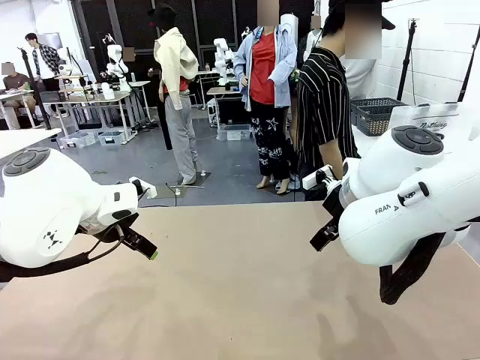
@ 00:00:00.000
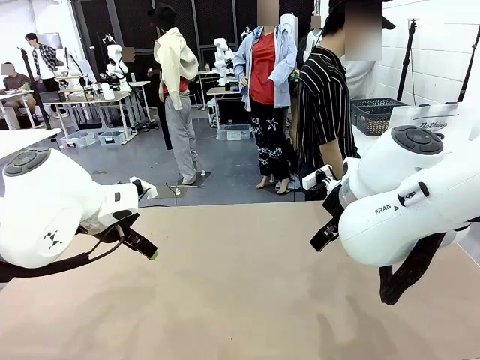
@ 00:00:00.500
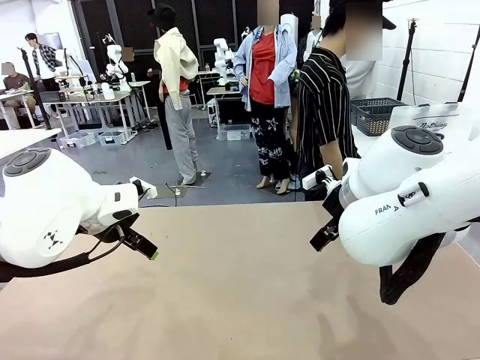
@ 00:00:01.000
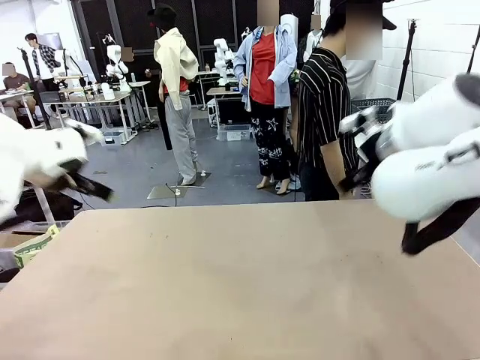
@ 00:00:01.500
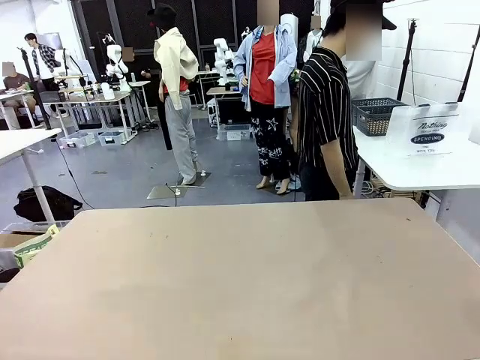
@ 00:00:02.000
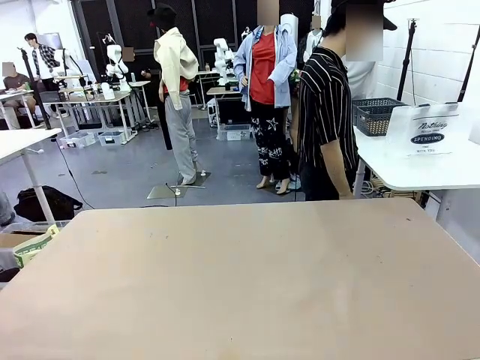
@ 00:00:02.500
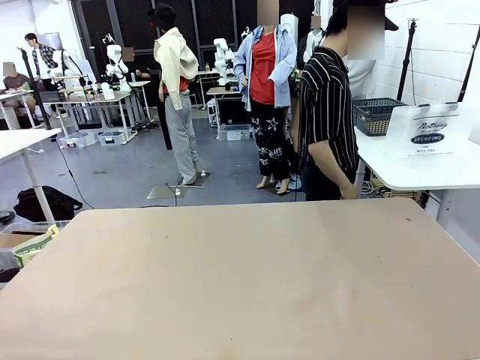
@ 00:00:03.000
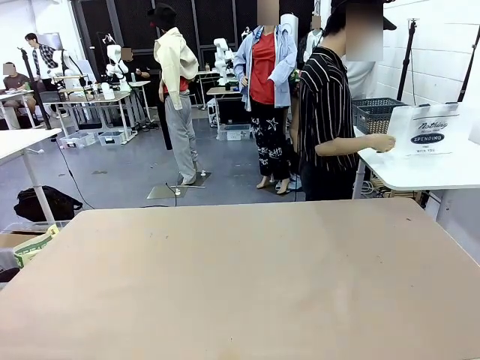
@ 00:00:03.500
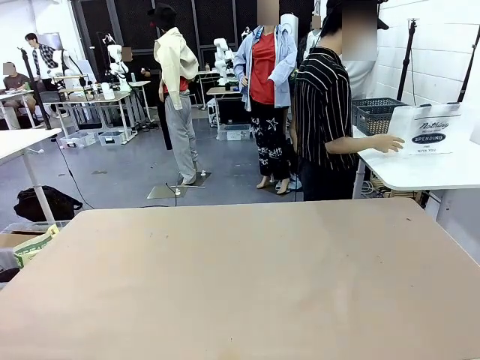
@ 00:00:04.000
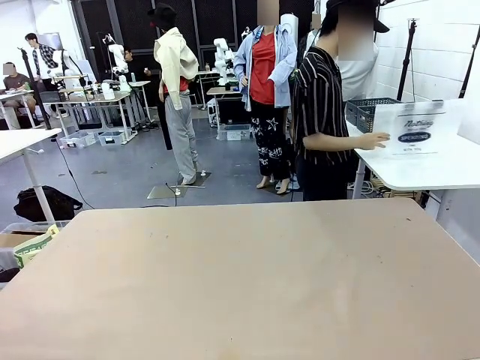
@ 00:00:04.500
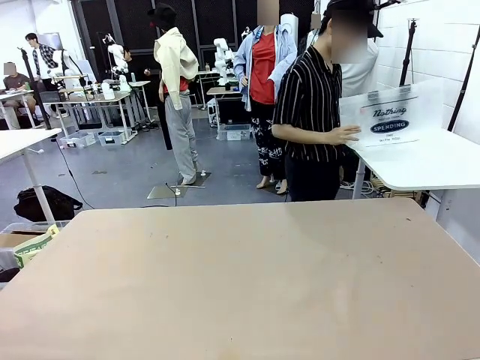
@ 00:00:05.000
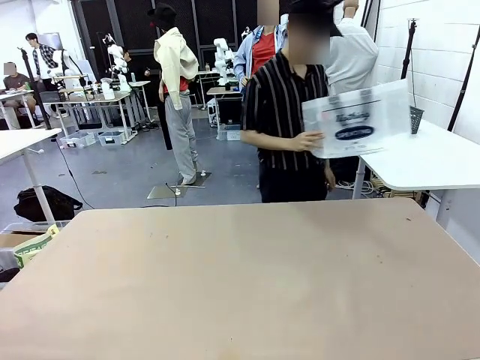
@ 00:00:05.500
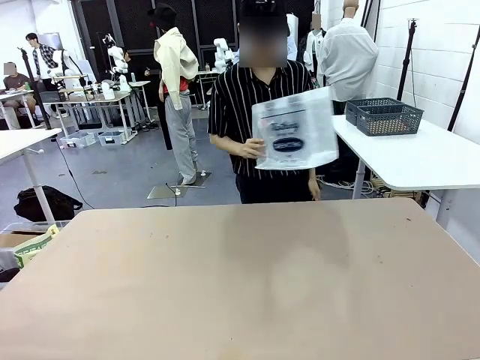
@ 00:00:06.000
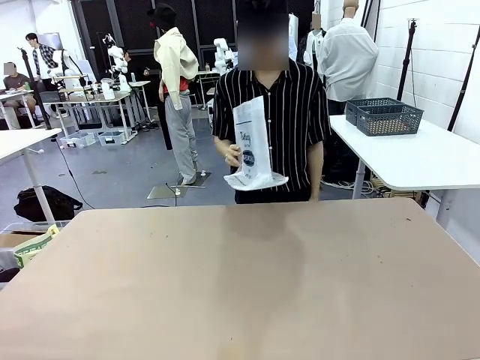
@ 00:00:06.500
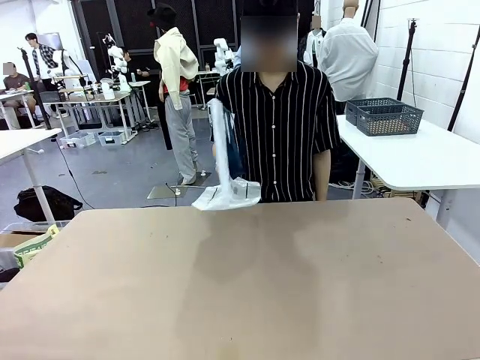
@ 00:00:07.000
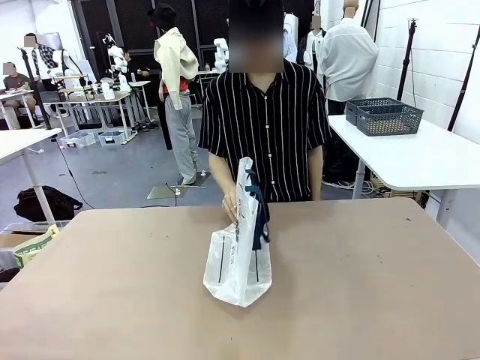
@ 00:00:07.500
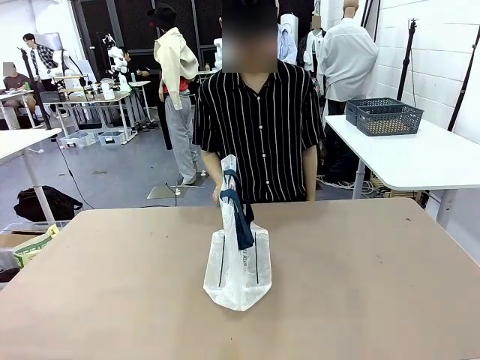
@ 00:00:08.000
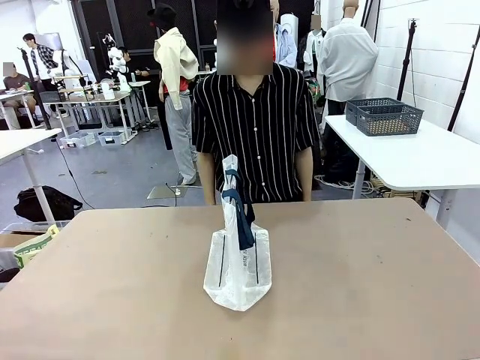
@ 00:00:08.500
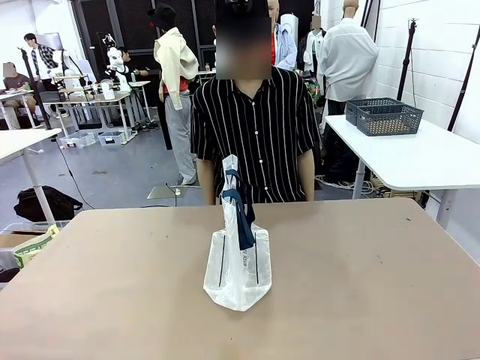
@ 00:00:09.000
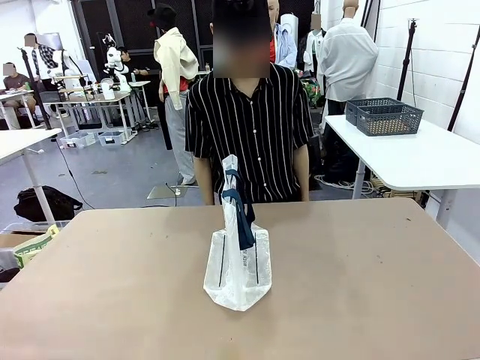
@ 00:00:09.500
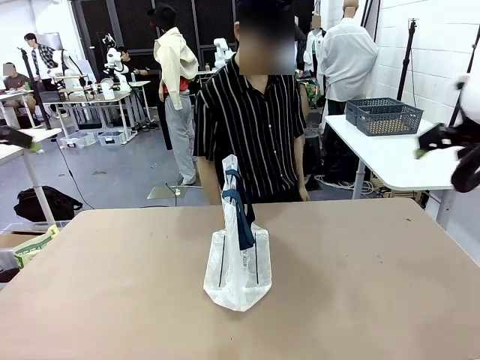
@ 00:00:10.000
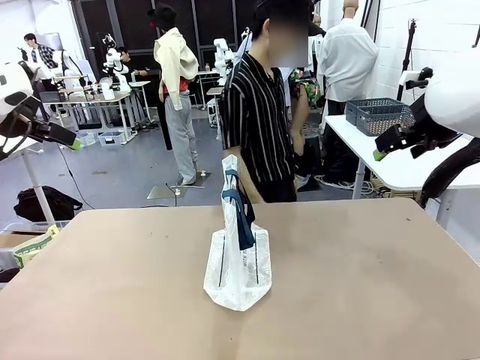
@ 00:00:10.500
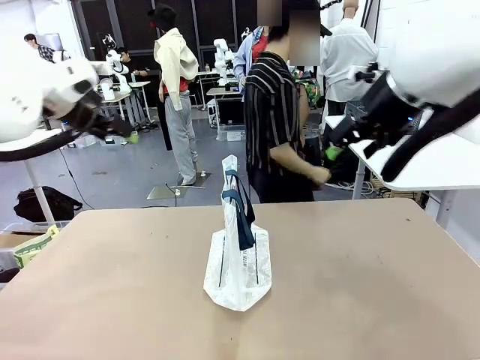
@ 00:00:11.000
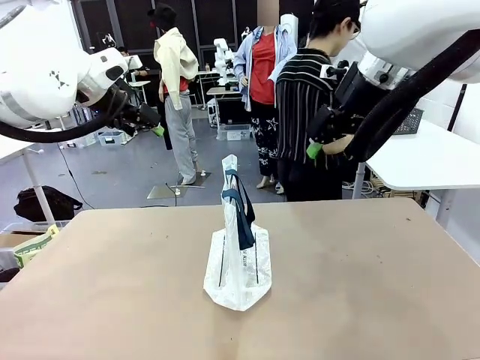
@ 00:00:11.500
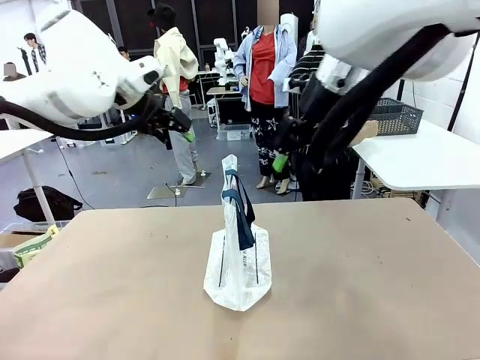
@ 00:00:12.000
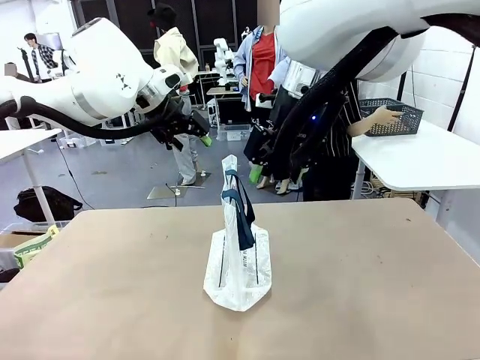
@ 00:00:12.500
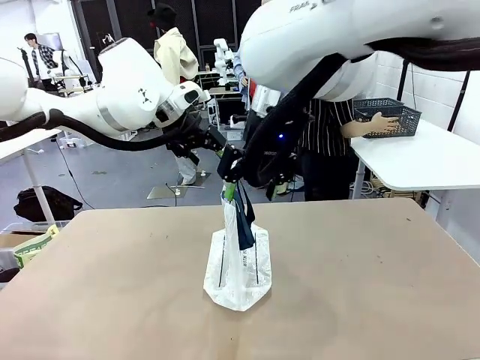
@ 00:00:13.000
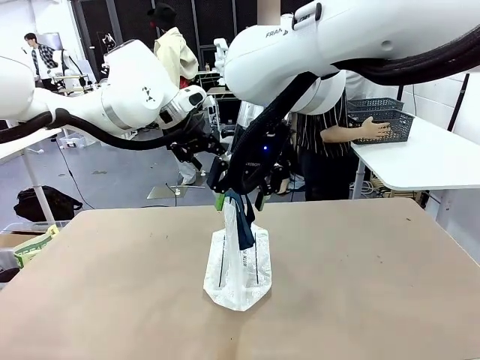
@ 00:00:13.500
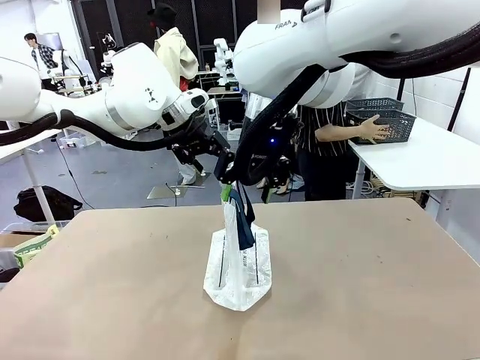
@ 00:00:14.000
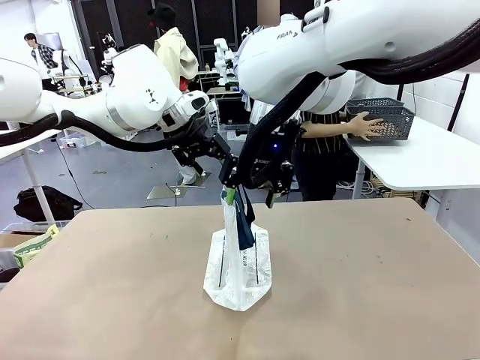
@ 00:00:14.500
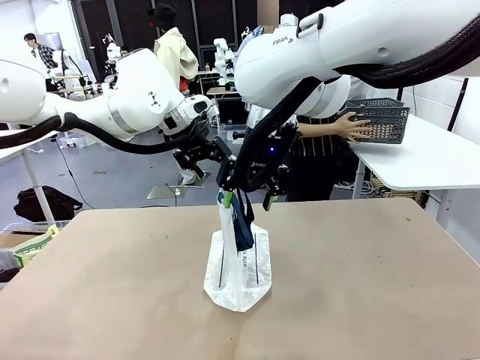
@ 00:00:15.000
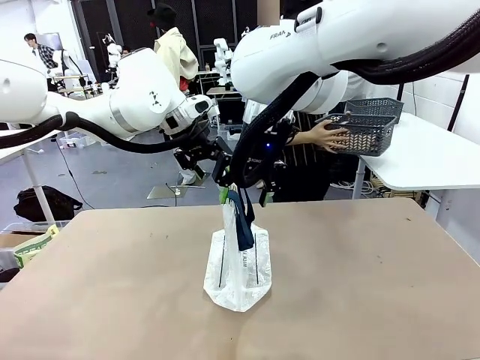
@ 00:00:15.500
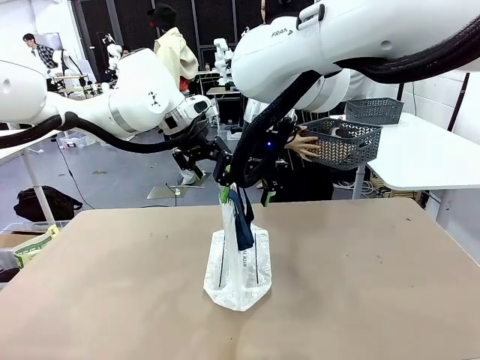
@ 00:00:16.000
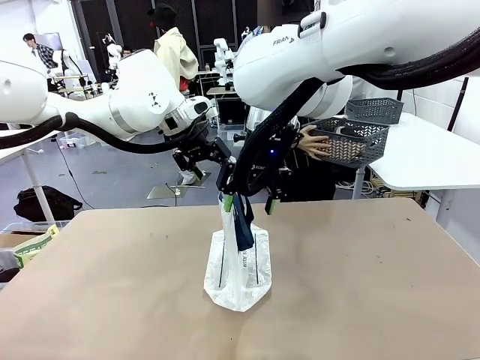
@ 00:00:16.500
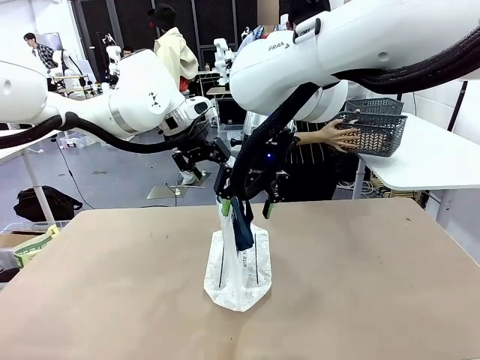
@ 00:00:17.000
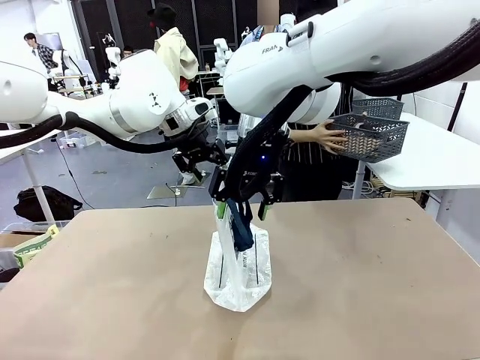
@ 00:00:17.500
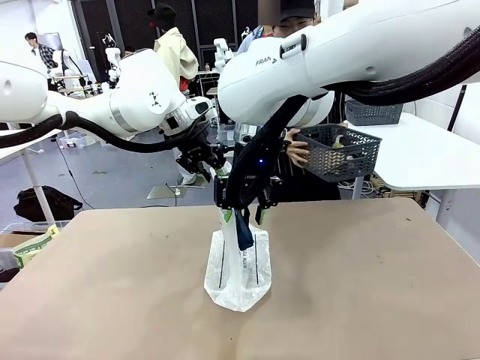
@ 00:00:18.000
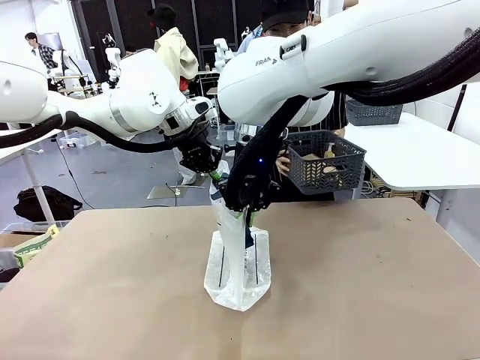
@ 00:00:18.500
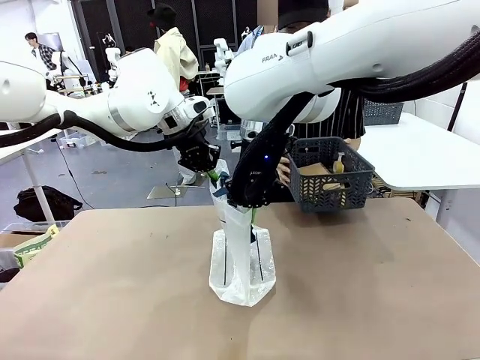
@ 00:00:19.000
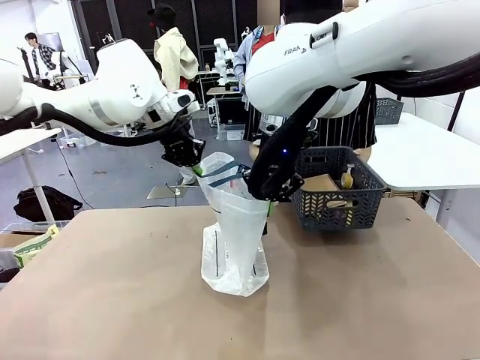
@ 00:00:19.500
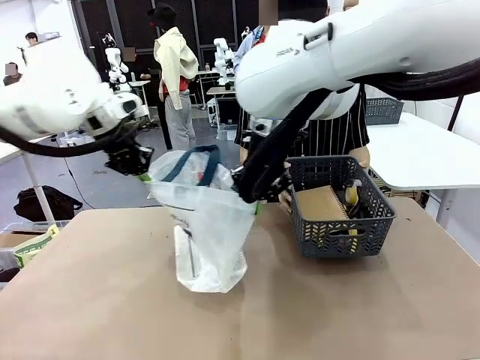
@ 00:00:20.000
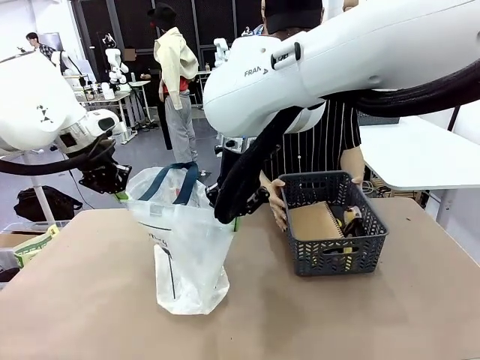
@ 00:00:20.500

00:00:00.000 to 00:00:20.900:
Task: Transfer purchased items from the store into the shopping bag.
Robot: Open the Reusable shopping bag in the center of the table.
Person: Pick up the shopping bag and place it in the middle of the robot table. Pick up the basket on the right, place it on the left side of the robot table, and move the items in the basket to the shopping bag.
